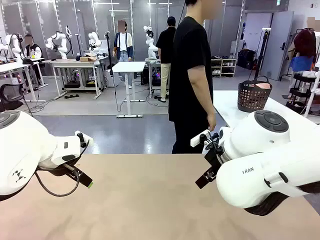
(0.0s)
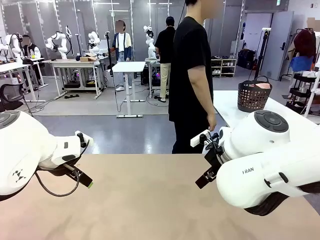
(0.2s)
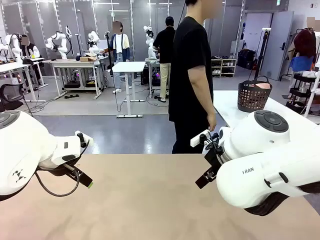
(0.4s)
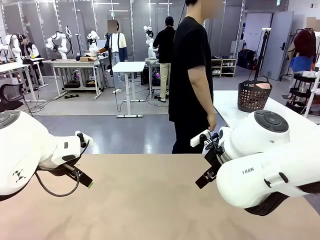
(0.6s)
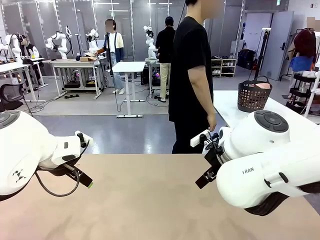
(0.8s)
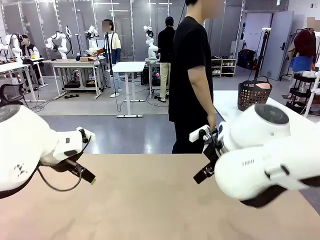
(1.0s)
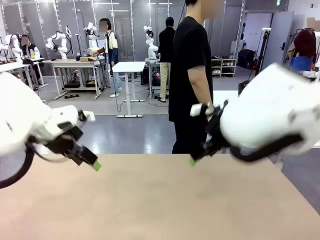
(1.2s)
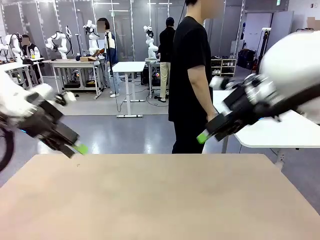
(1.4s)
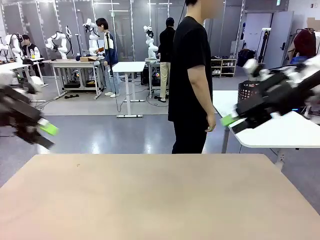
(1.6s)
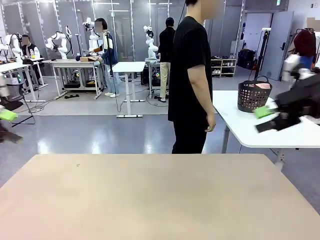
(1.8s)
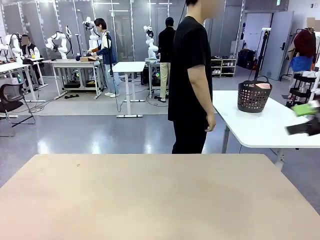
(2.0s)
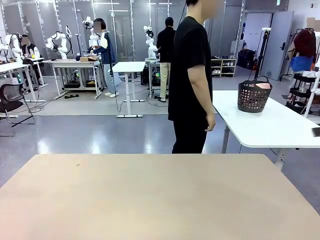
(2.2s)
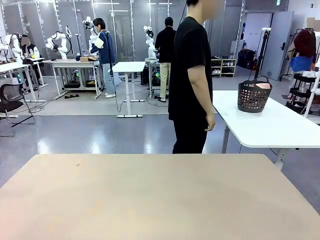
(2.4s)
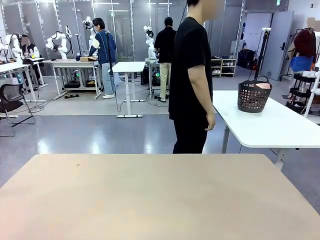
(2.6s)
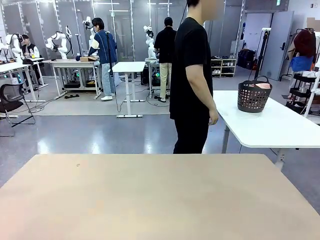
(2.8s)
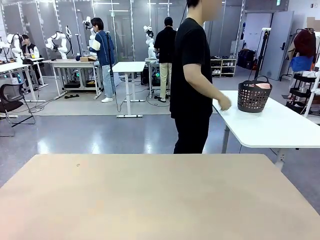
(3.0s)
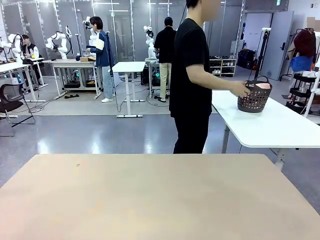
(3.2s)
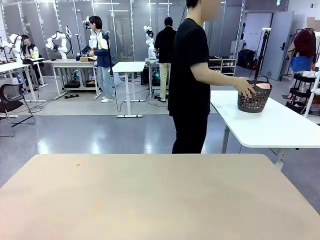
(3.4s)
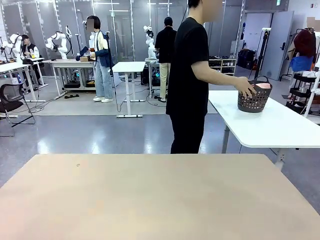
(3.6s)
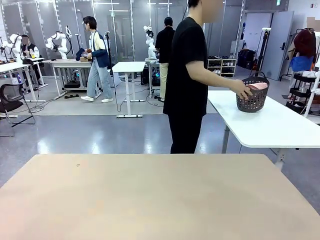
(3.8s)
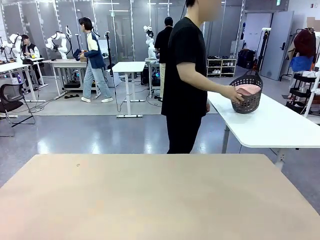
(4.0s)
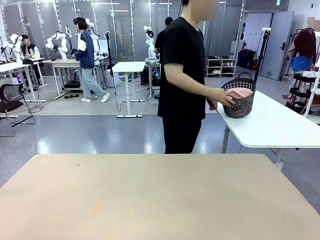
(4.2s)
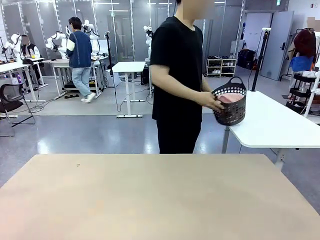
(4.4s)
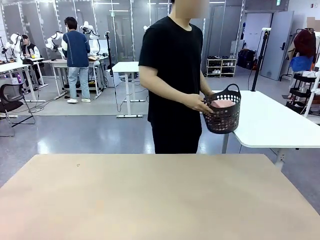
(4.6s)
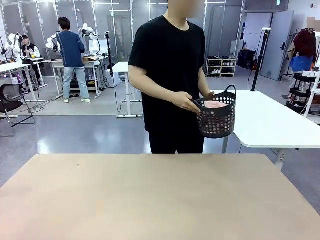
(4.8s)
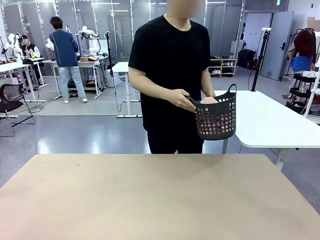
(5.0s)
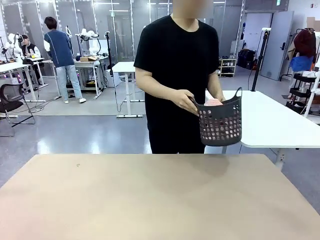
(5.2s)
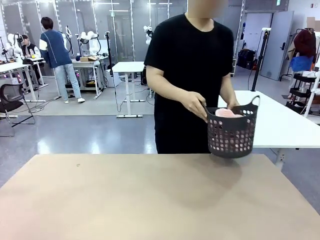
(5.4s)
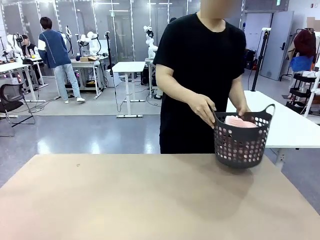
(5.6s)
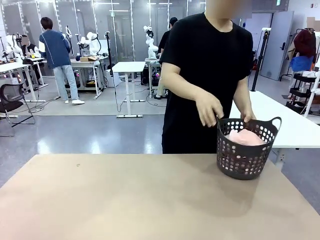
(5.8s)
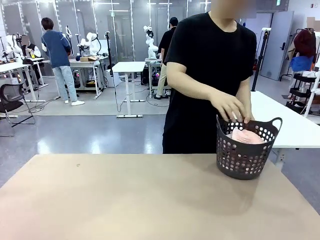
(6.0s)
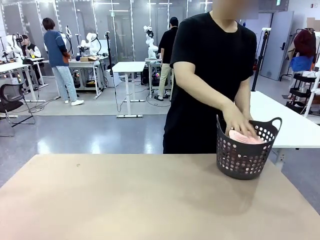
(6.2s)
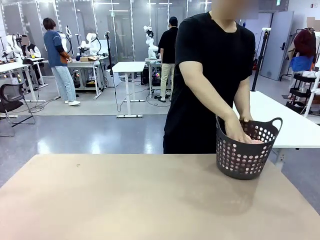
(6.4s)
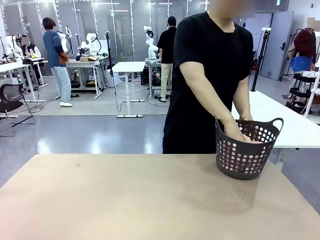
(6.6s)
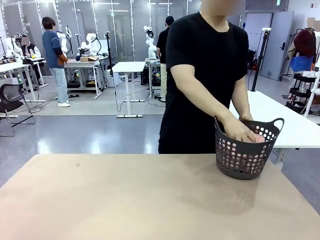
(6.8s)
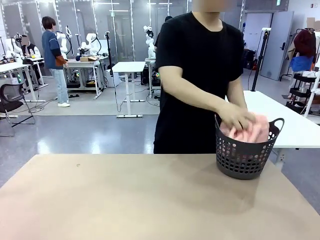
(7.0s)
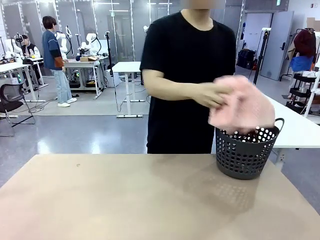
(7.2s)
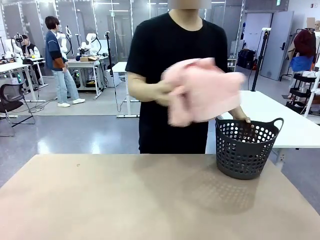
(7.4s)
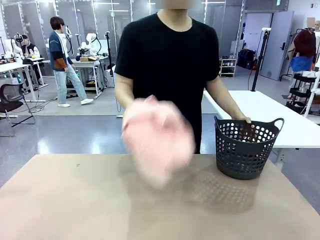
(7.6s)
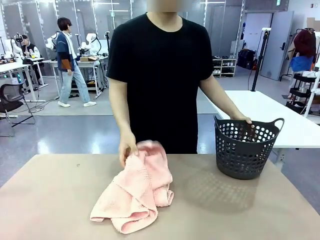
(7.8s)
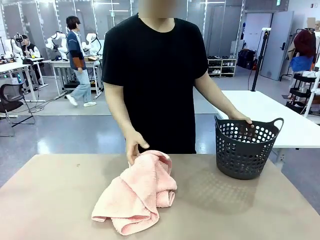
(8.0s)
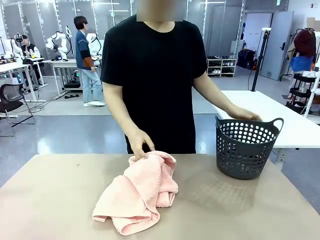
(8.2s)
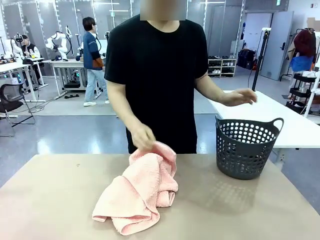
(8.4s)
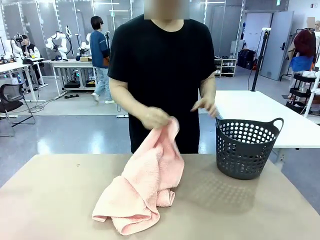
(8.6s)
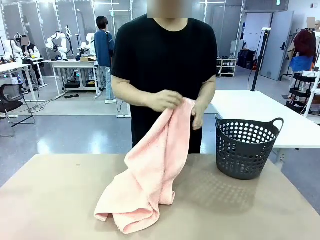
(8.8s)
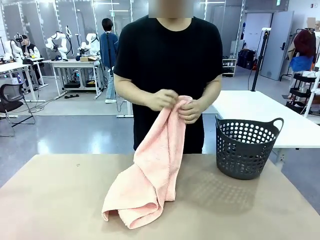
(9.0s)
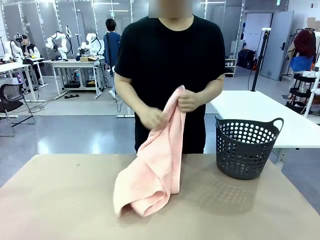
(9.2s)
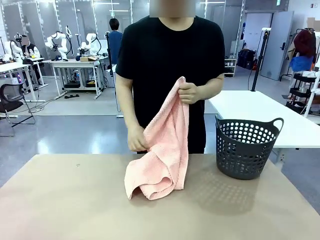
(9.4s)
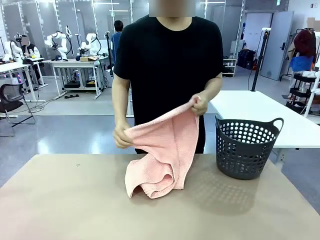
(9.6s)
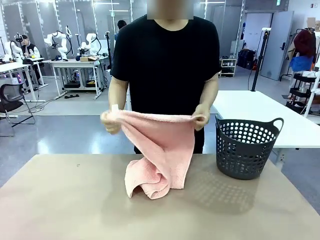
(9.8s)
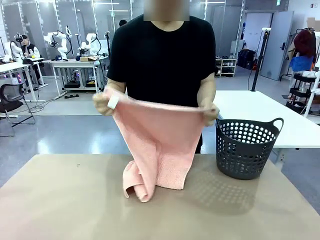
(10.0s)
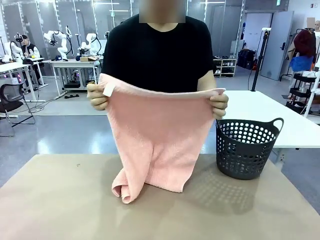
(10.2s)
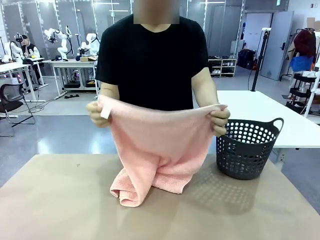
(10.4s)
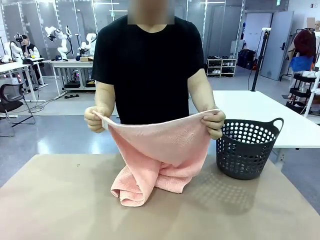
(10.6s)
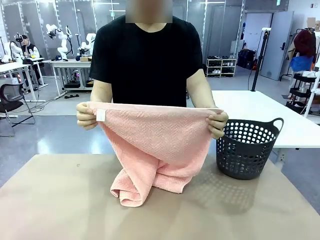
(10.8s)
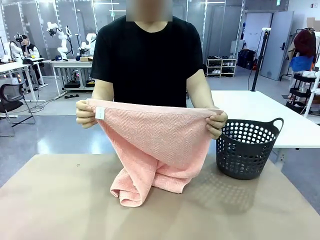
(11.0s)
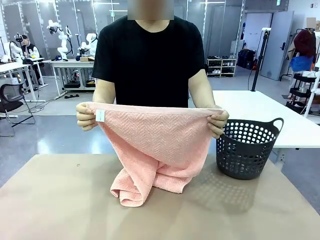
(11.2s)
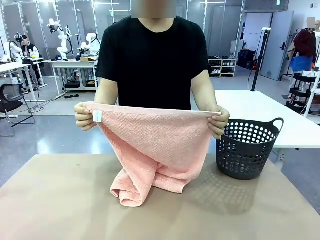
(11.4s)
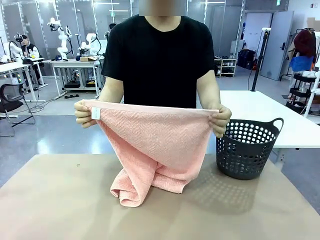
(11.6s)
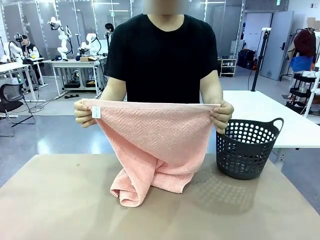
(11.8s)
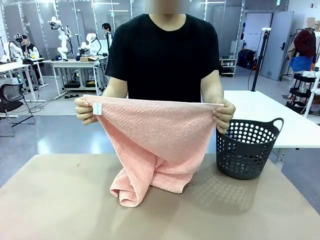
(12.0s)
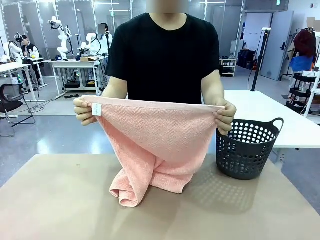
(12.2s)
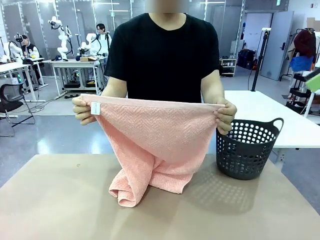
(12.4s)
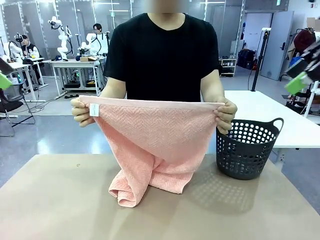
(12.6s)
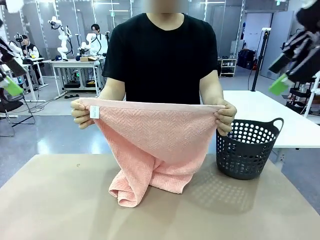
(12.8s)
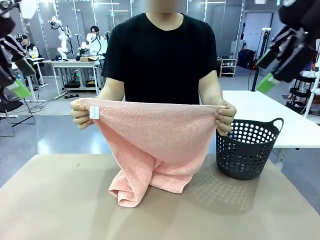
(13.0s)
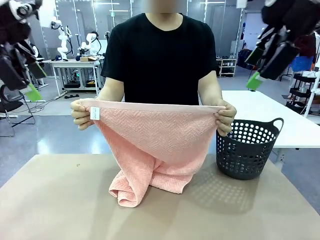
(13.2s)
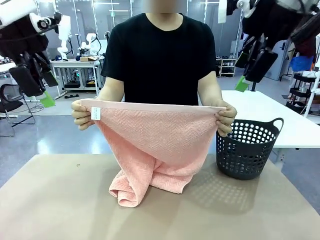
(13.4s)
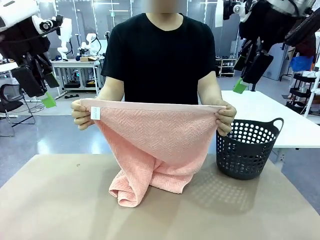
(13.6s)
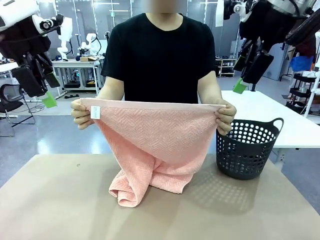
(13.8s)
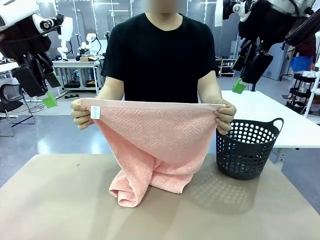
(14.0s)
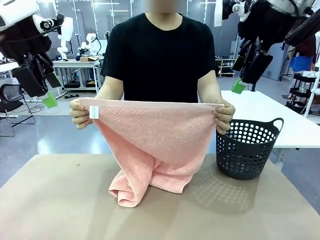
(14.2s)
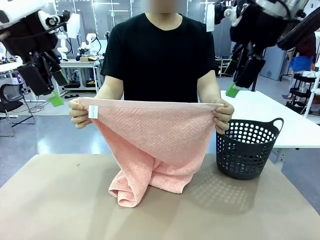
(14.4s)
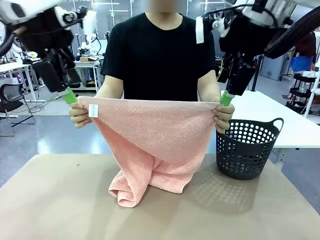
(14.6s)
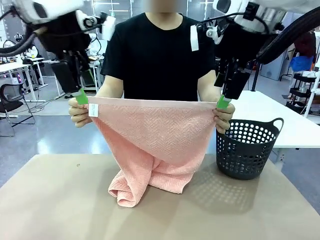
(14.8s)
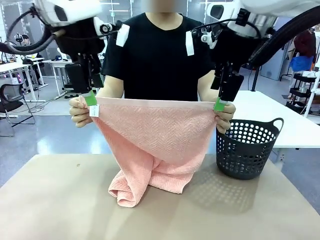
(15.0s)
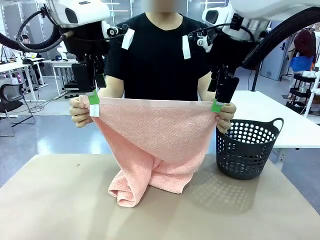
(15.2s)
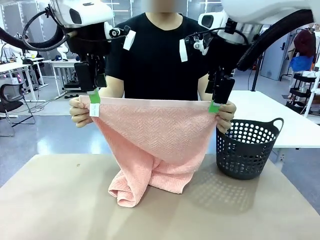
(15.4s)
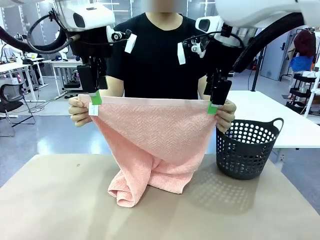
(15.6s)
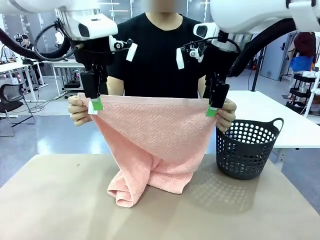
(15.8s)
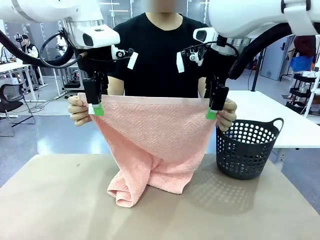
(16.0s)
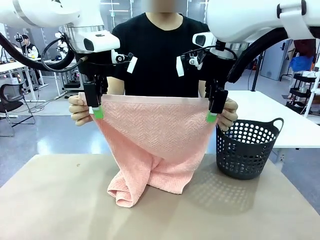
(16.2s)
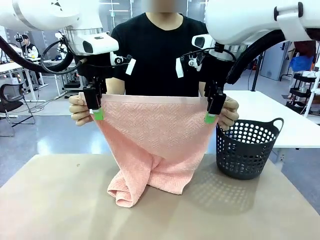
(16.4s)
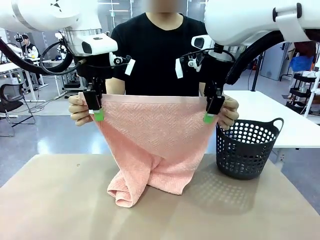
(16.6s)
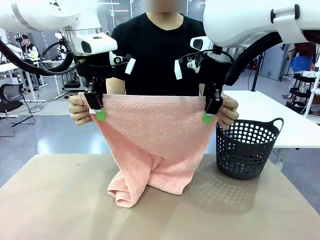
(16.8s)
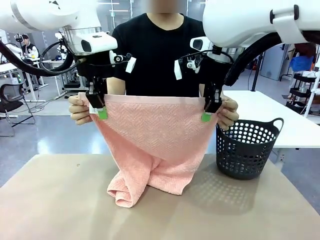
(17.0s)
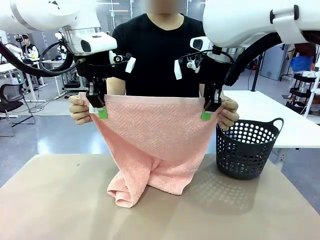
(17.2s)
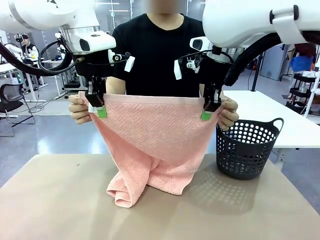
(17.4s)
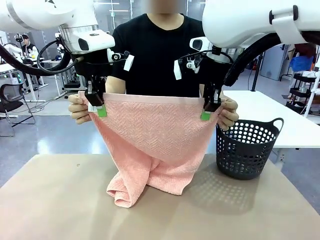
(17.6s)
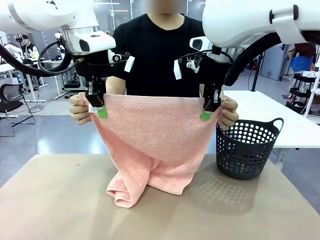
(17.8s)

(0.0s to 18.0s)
Task: Fold the towel.
Robot: Grab the top end of the 100 cm Hotel Towel extended by the human.
Person: Pick up the laundry basket, place it on the left side of the robot table, then take out a towel and hand it to the robot while holding both corners of one end.
